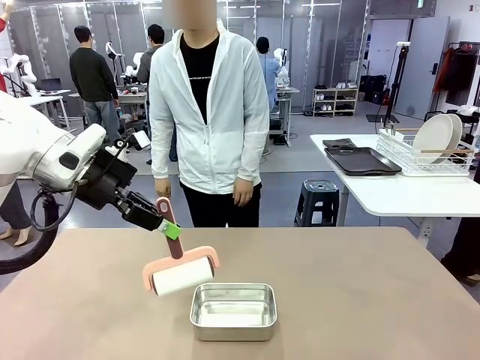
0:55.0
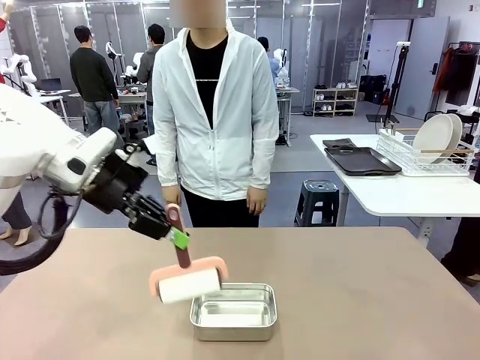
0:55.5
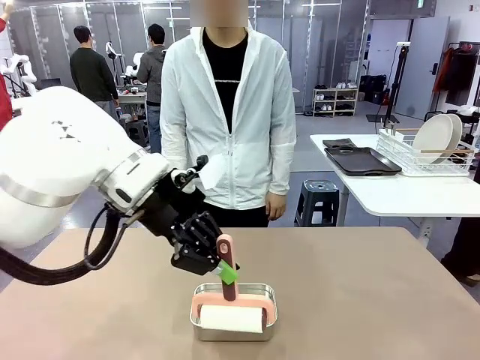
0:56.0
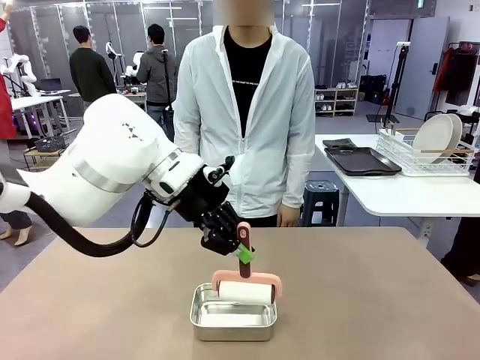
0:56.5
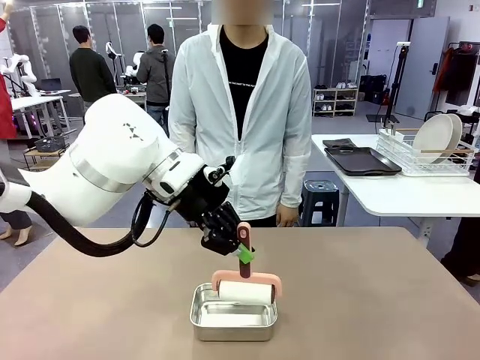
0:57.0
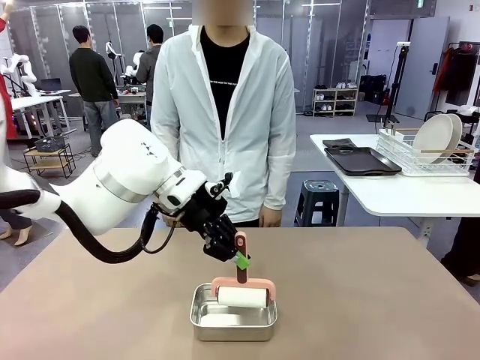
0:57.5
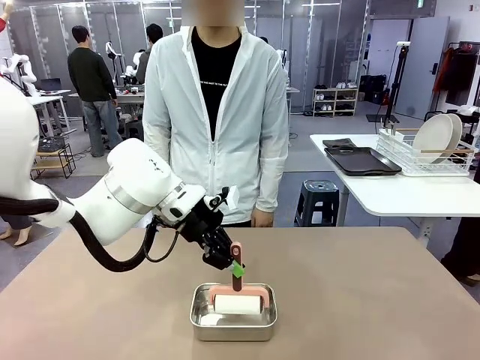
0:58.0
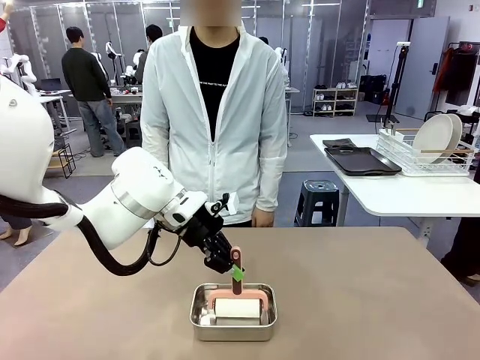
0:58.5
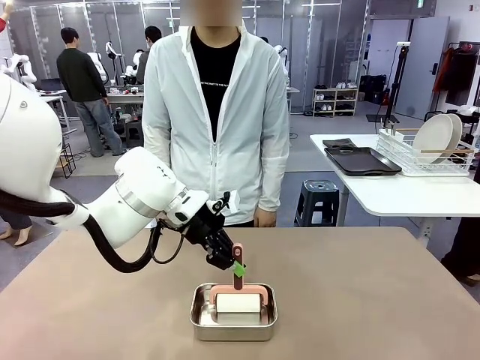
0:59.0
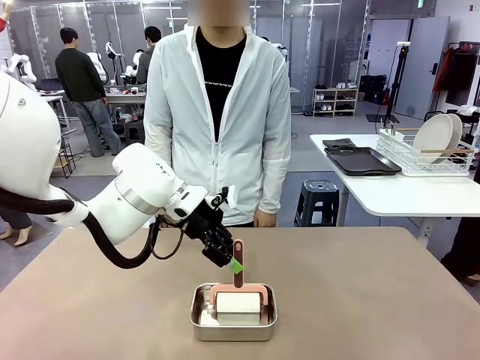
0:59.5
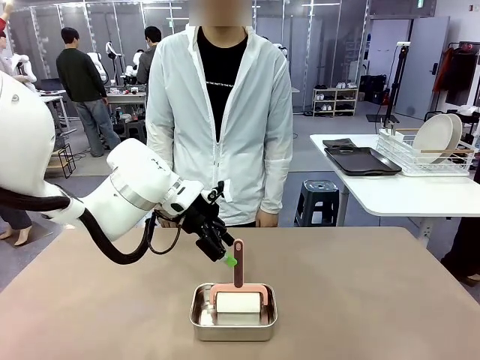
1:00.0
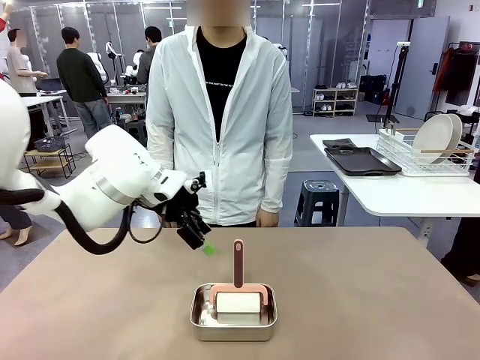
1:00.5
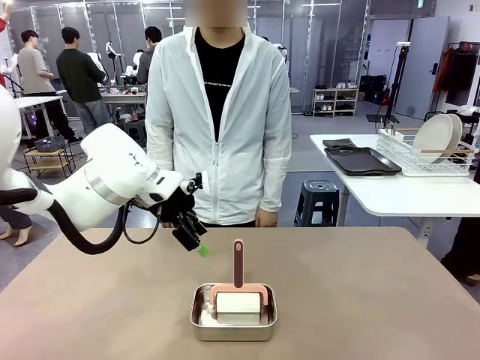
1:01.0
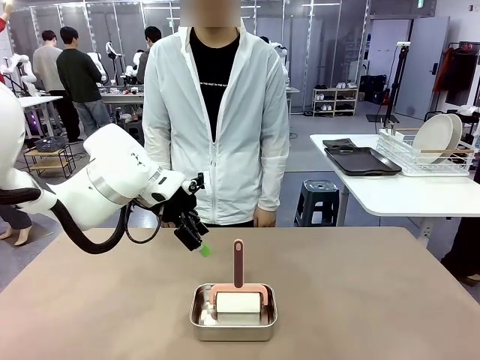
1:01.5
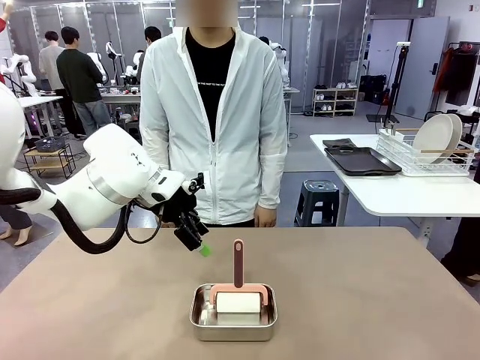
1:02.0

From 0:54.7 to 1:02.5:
Robot: Place the Lint Roller back on top of the Airtight Container.

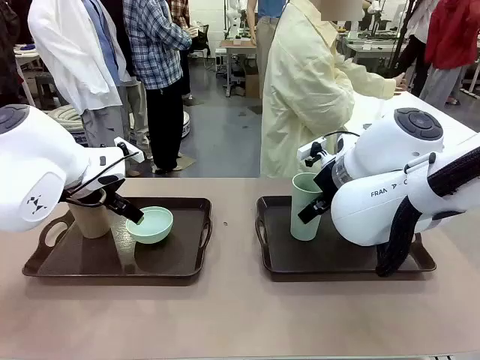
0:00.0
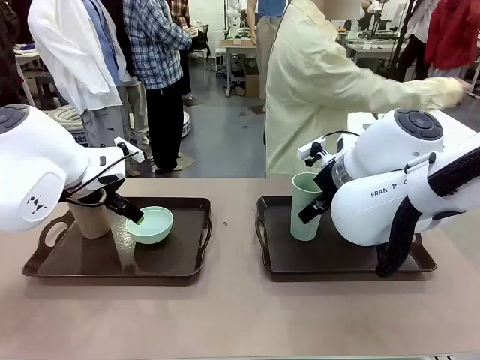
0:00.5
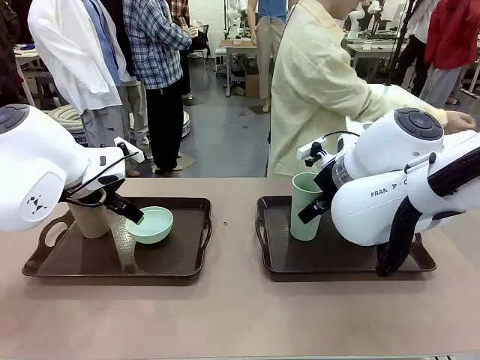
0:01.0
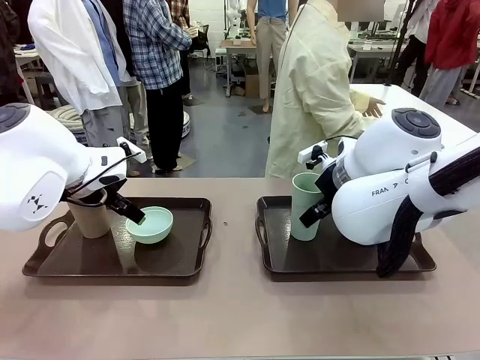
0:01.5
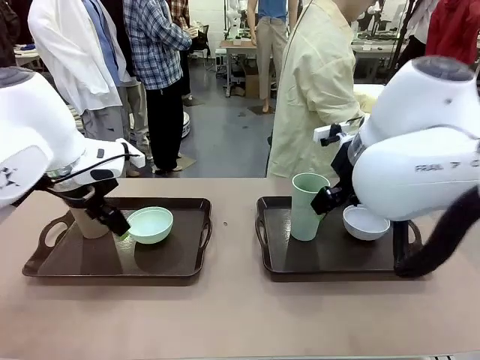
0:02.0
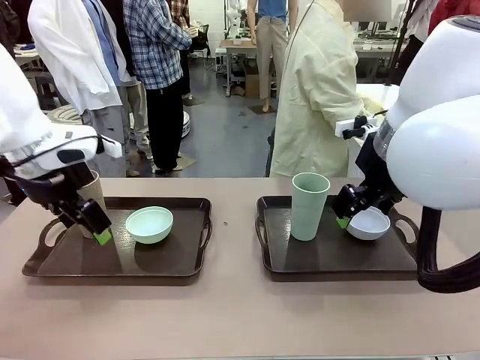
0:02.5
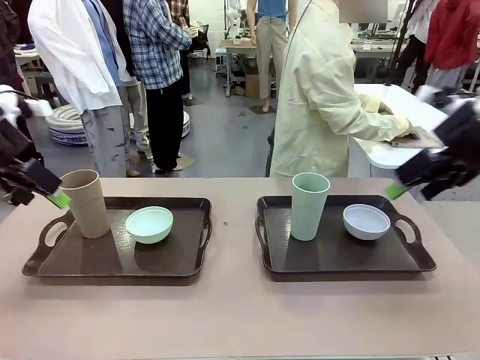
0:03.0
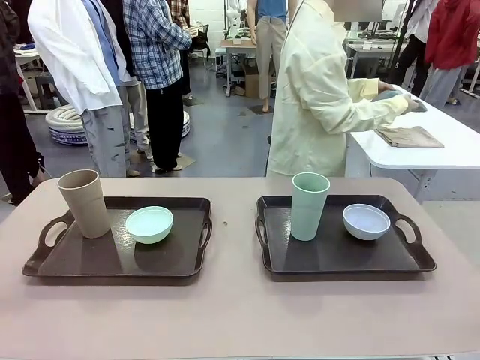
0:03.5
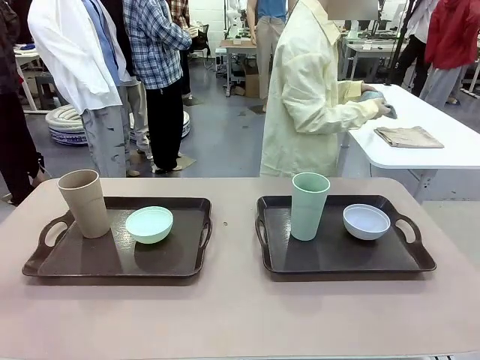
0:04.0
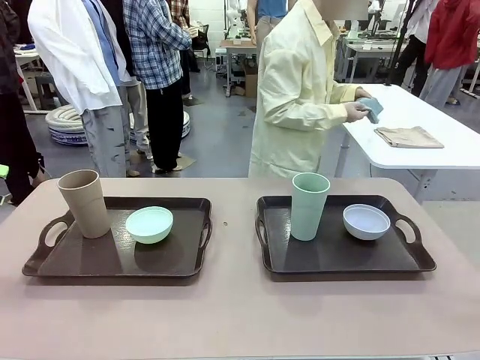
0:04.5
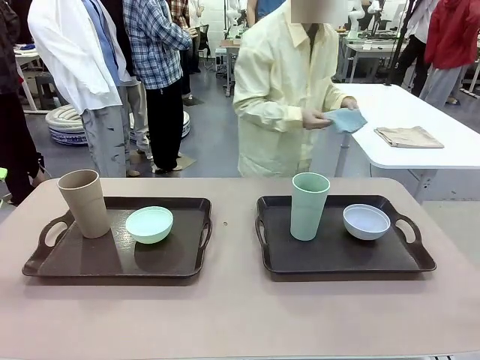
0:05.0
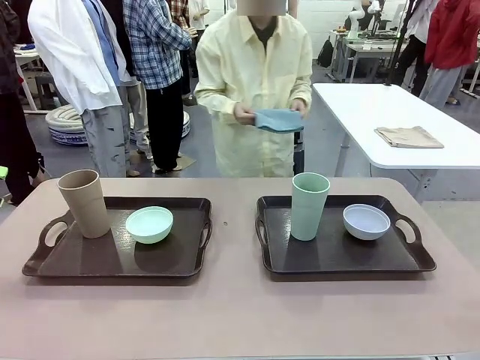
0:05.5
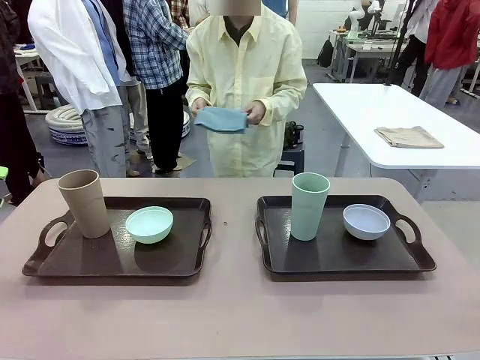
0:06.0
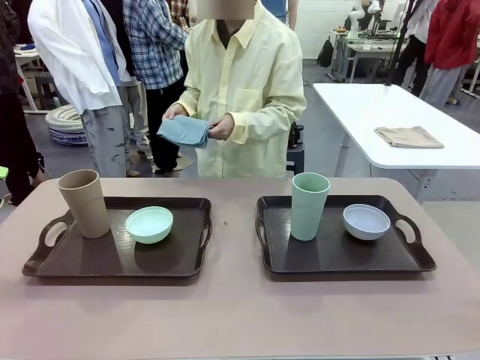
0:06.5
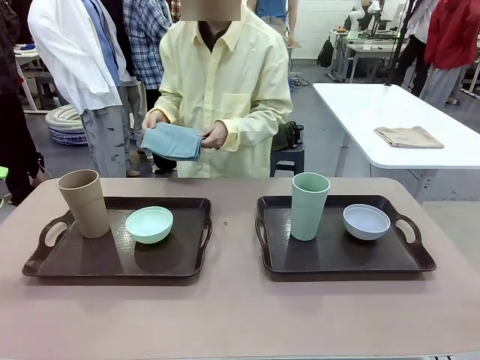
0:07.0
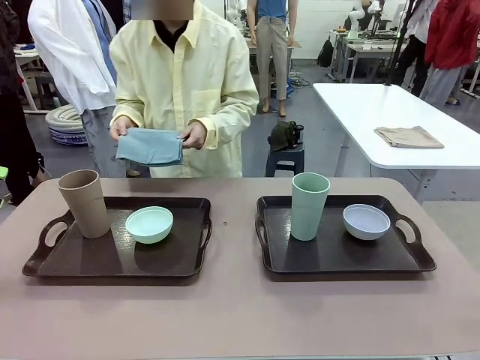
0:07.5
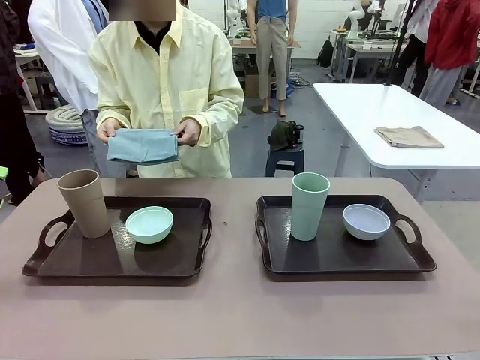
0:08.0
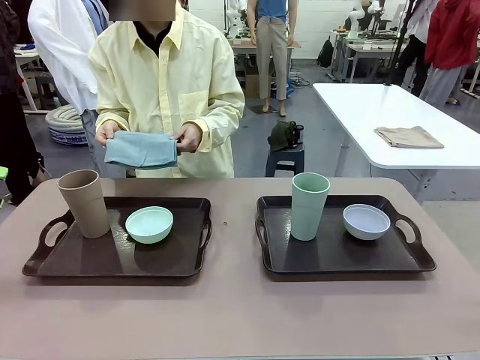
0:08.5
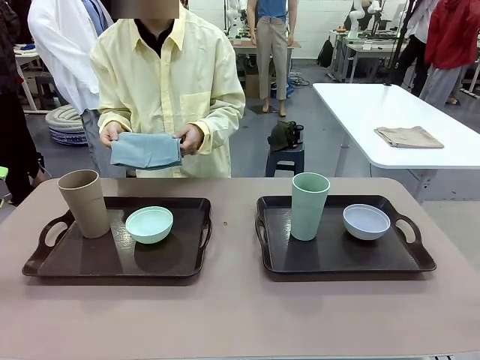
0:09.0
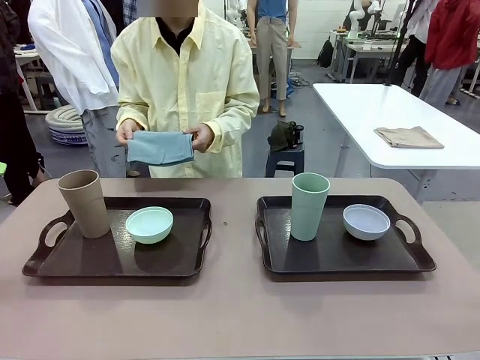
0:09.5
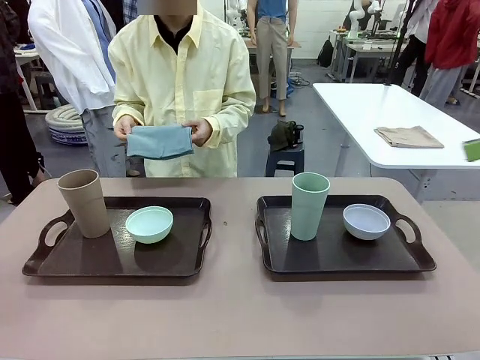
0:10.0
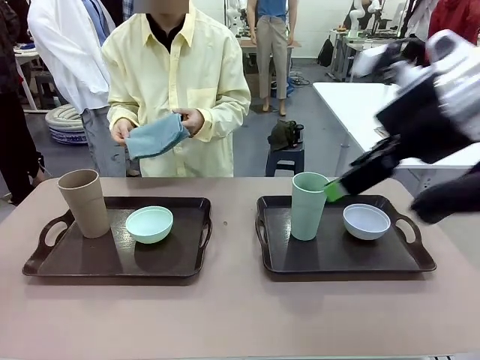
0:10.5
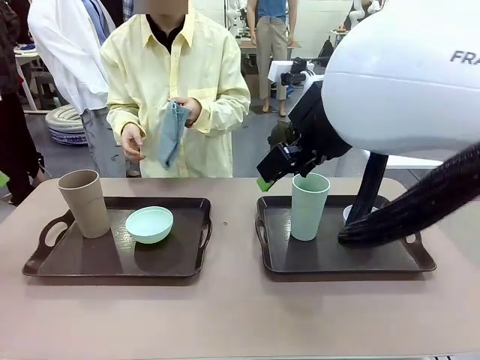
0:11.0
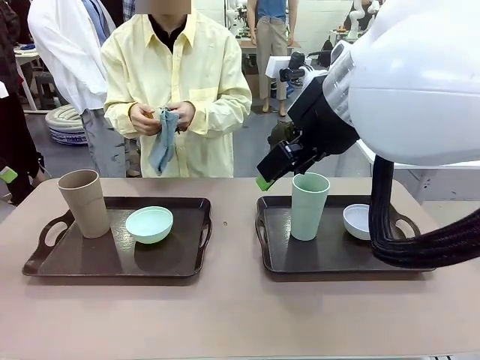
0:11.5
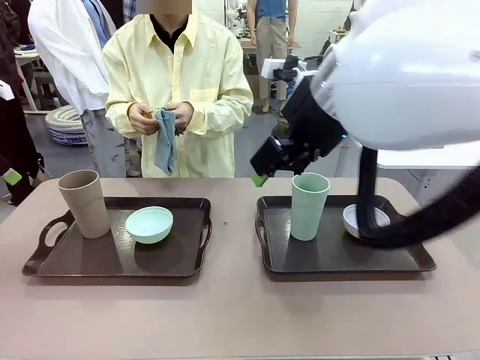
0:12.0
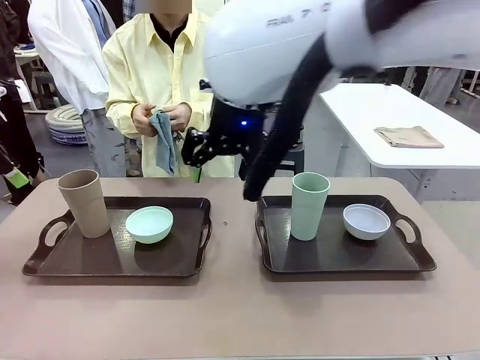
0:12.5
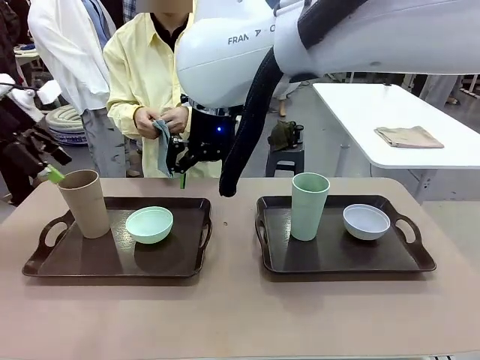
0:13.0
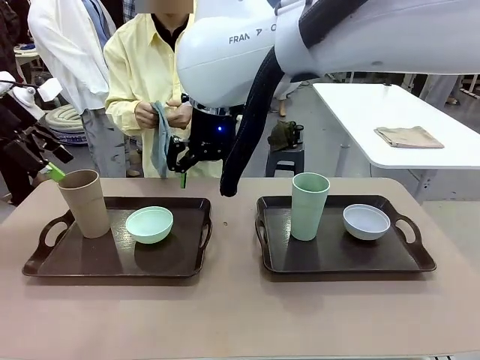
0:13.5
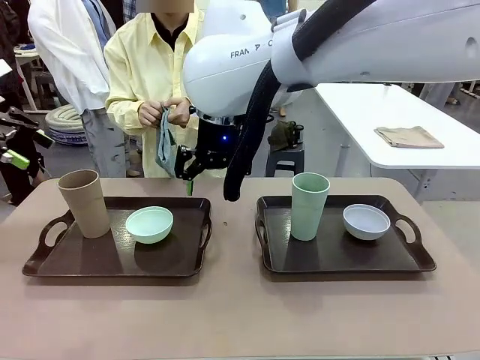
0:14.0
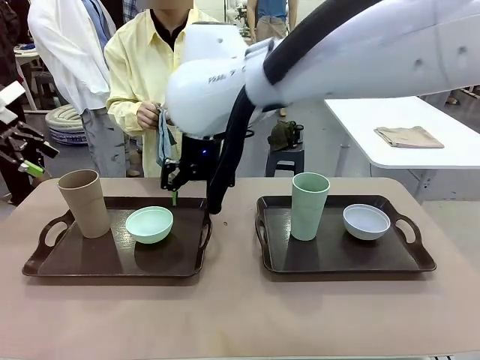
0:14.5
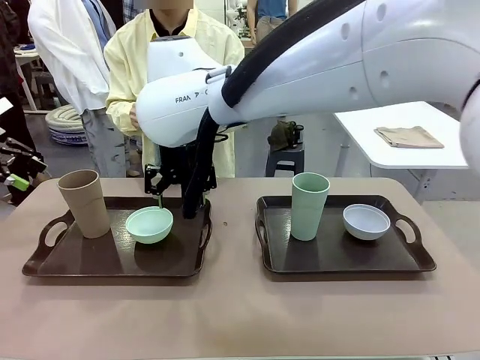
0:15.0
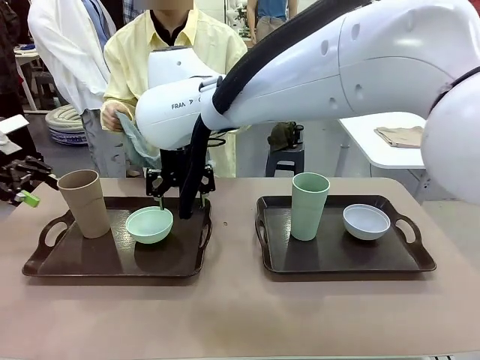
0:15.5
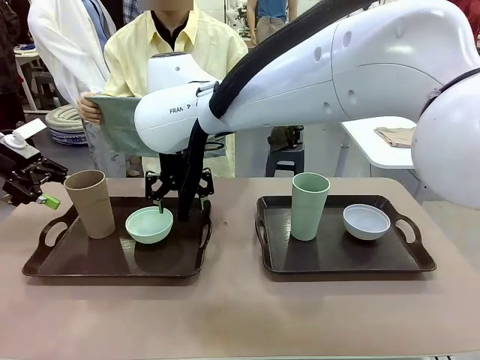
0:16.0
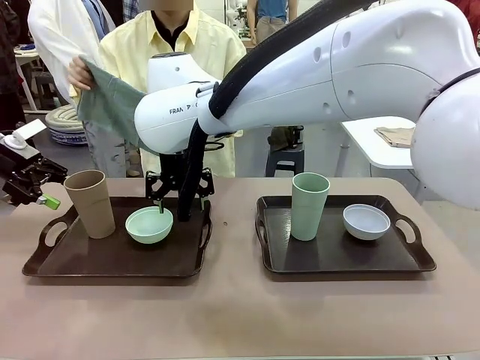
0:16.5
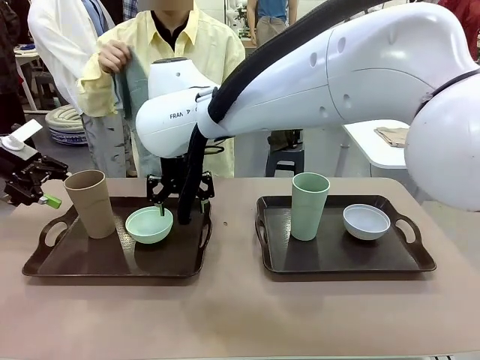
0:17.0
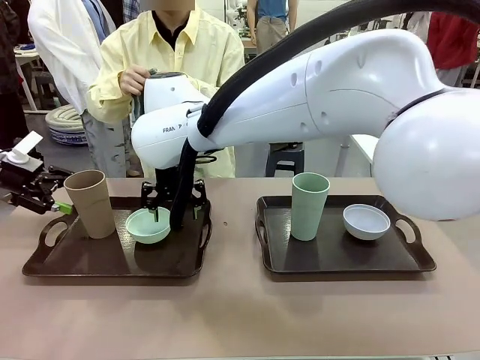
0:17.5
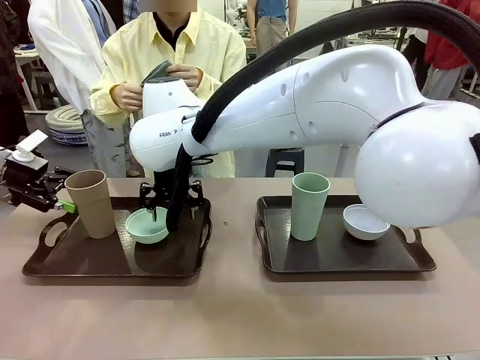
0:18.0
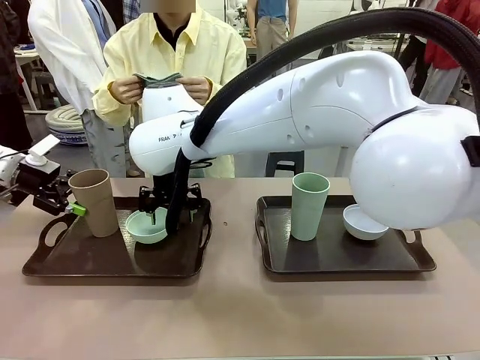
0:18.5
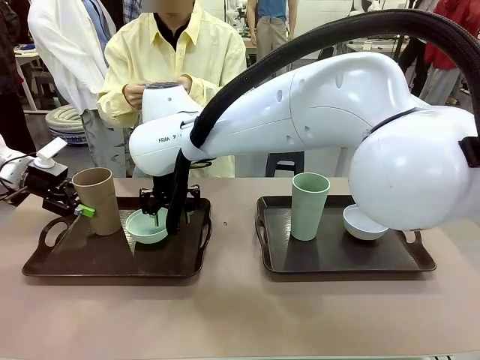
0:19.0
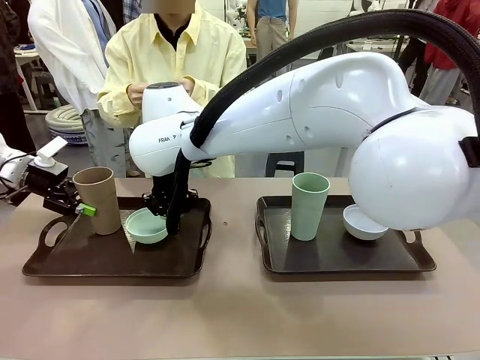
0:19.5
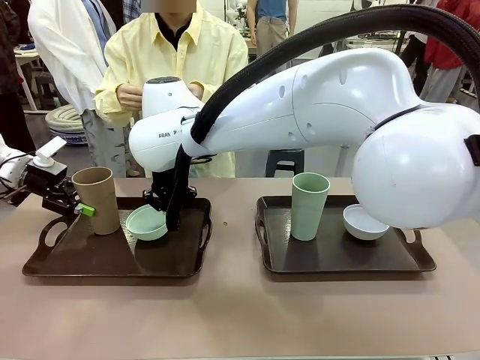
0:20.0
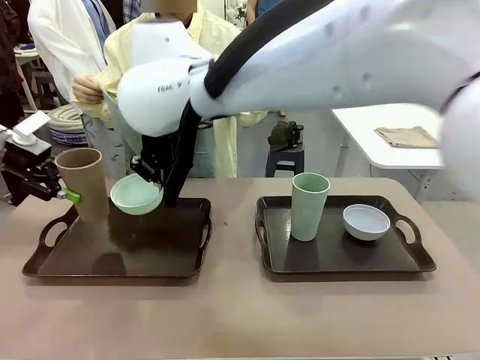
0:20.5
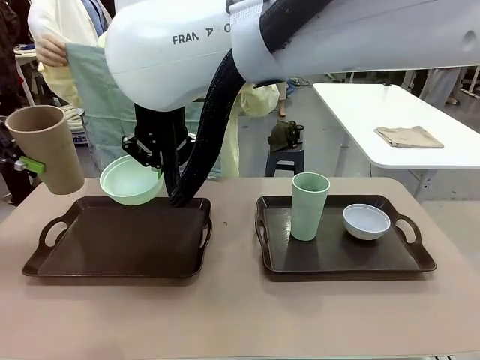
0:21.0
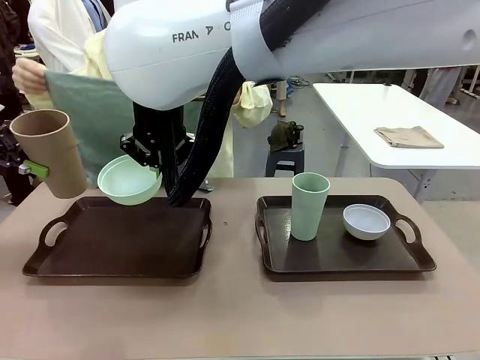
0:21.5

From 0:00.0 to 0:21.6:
Robot: Pick up the Picnic Bowl and Reusable plastic cup from the Handle tray in front of the human's position and hold them in the air.
Person: The human picks up the top napkin from the stack on the human table and walks to the robot table to stand in front of one of the two trays. When the robot lifts the bowl and the cup, the human unfolds the napkin and lays the napkin flat on the tray.
